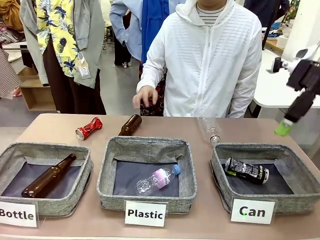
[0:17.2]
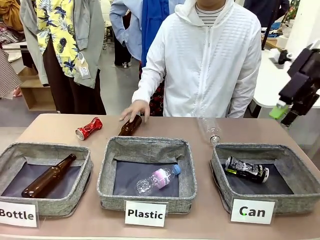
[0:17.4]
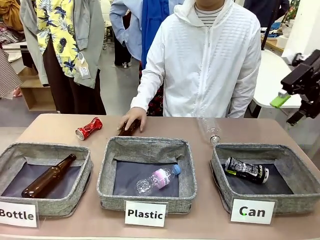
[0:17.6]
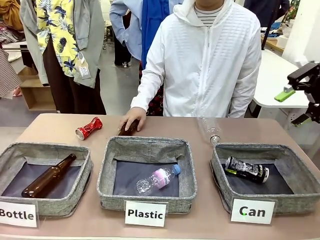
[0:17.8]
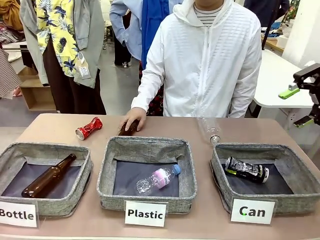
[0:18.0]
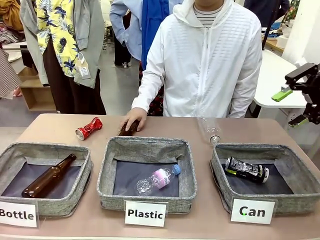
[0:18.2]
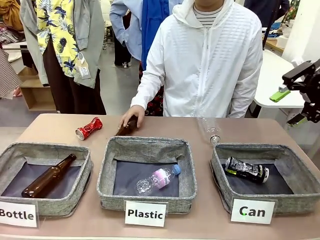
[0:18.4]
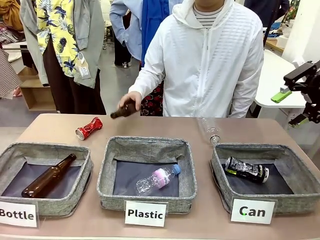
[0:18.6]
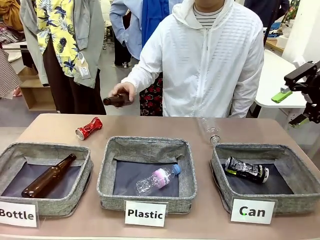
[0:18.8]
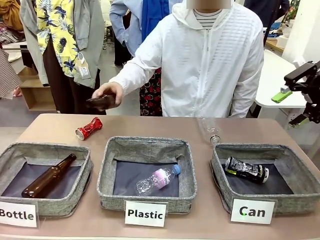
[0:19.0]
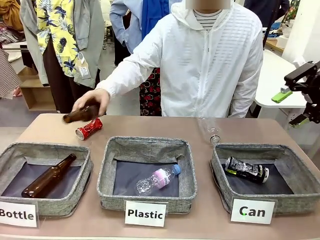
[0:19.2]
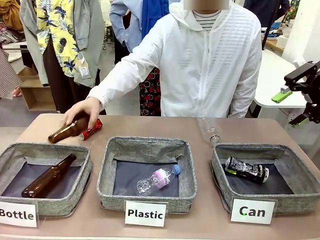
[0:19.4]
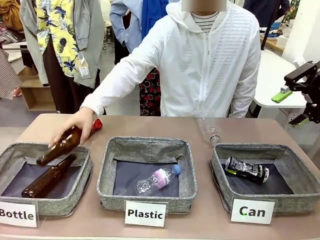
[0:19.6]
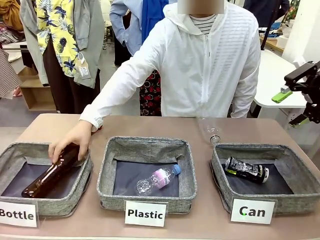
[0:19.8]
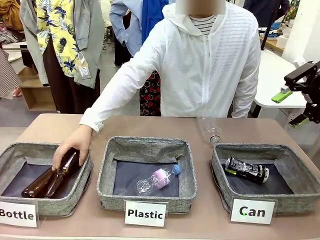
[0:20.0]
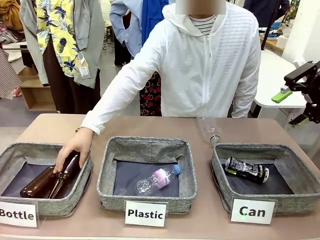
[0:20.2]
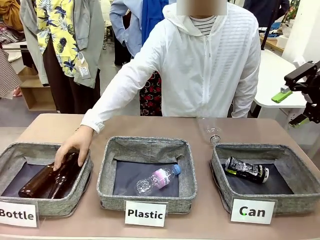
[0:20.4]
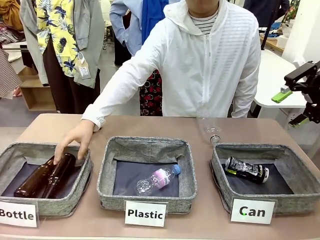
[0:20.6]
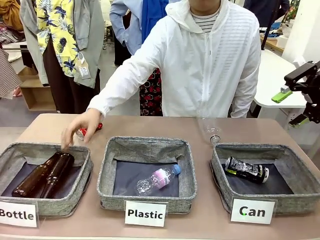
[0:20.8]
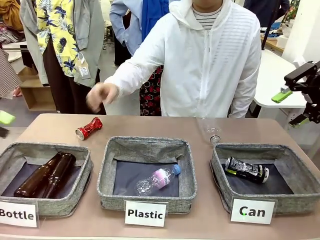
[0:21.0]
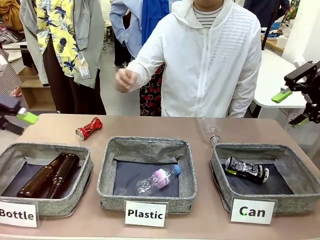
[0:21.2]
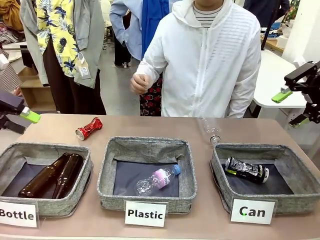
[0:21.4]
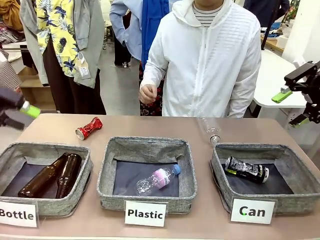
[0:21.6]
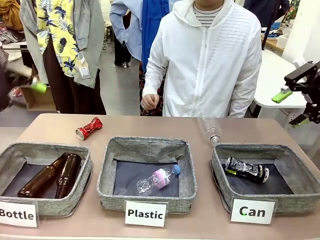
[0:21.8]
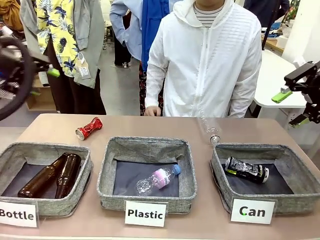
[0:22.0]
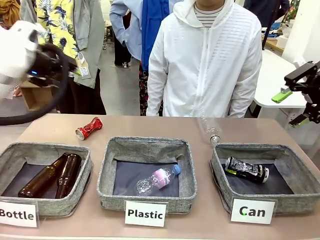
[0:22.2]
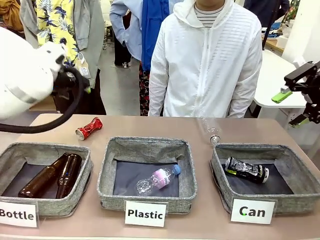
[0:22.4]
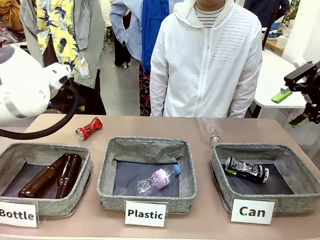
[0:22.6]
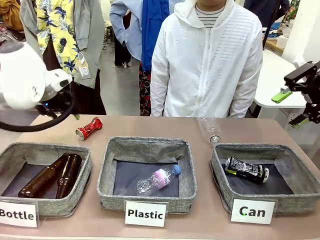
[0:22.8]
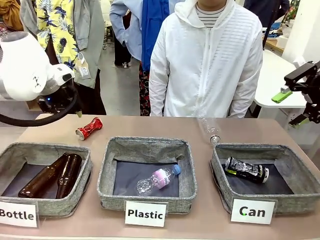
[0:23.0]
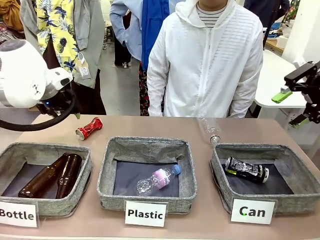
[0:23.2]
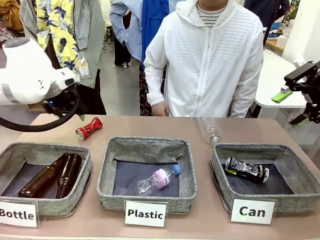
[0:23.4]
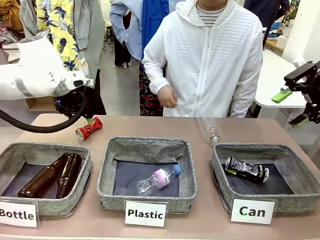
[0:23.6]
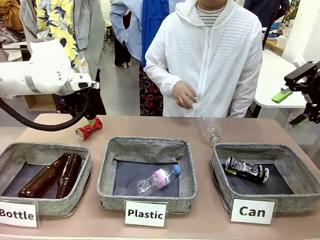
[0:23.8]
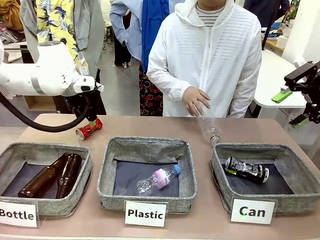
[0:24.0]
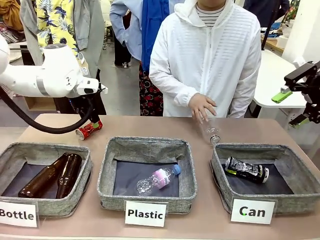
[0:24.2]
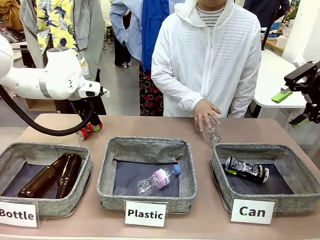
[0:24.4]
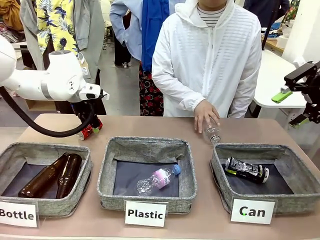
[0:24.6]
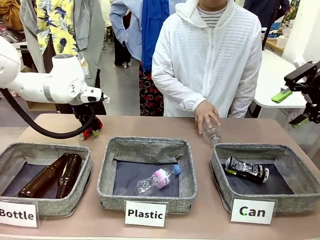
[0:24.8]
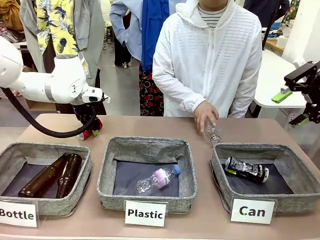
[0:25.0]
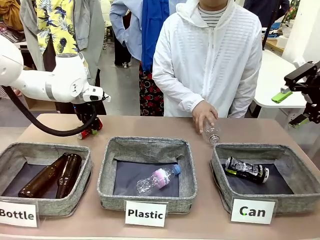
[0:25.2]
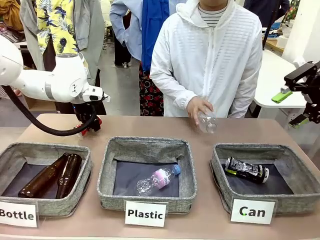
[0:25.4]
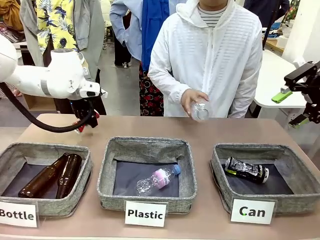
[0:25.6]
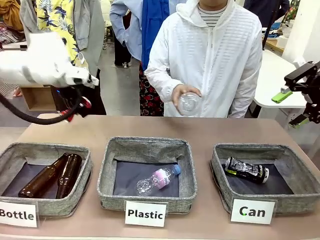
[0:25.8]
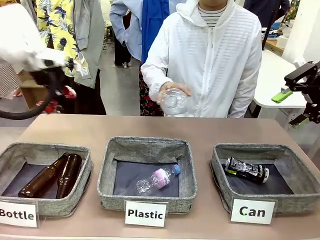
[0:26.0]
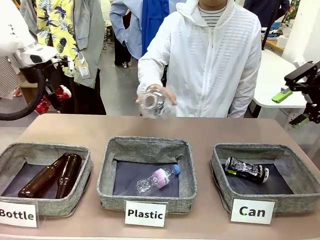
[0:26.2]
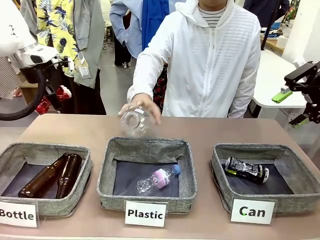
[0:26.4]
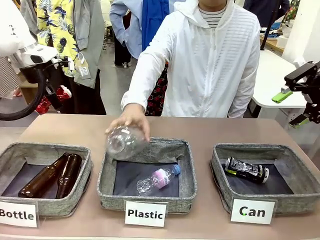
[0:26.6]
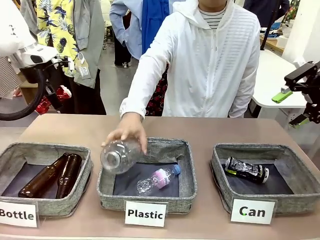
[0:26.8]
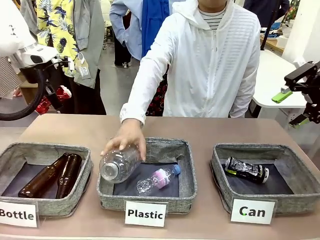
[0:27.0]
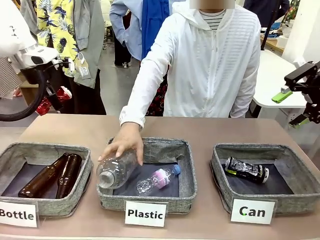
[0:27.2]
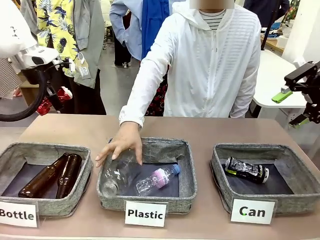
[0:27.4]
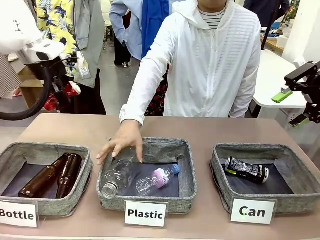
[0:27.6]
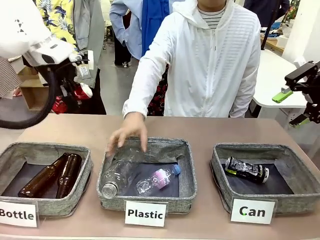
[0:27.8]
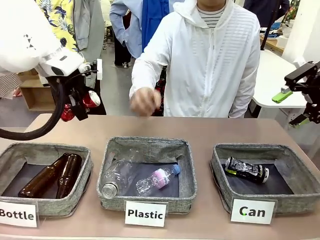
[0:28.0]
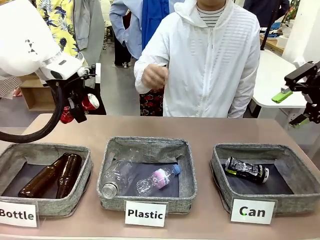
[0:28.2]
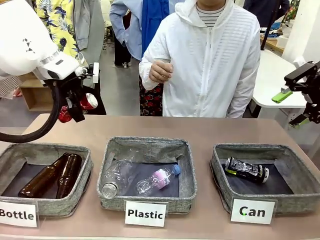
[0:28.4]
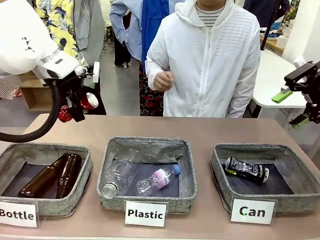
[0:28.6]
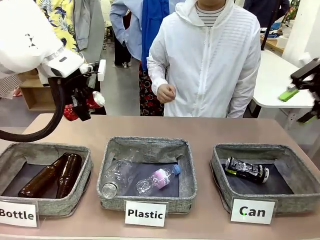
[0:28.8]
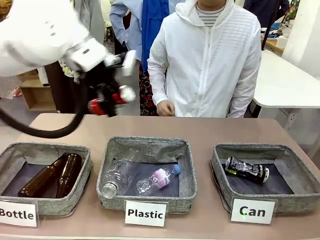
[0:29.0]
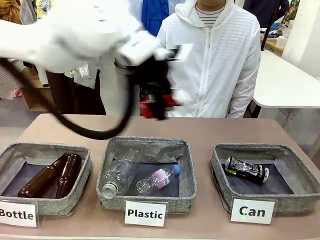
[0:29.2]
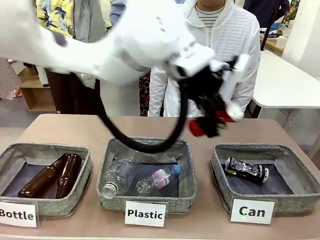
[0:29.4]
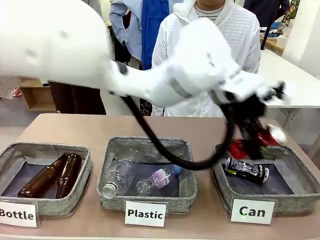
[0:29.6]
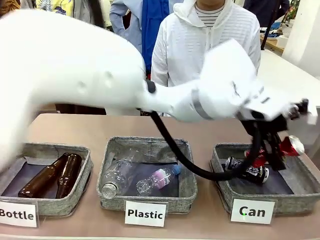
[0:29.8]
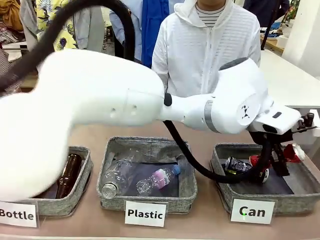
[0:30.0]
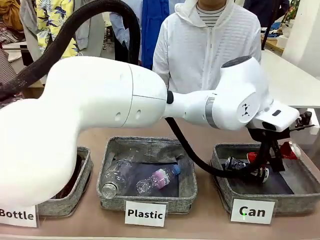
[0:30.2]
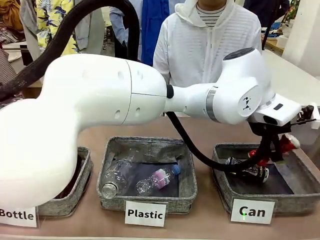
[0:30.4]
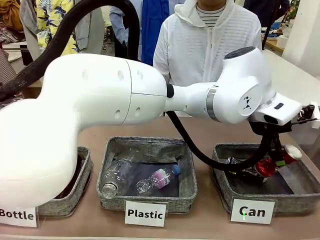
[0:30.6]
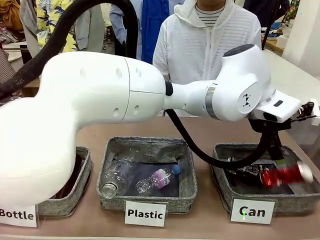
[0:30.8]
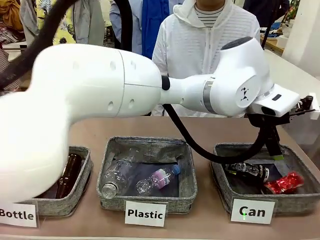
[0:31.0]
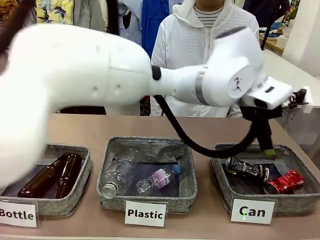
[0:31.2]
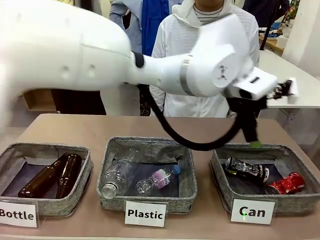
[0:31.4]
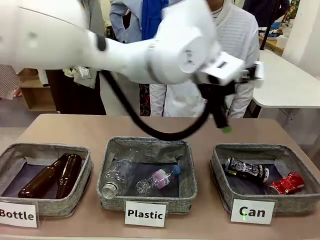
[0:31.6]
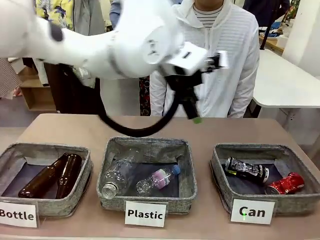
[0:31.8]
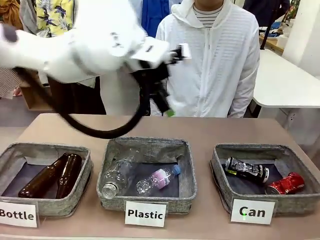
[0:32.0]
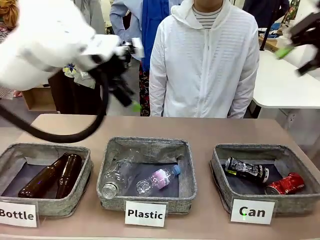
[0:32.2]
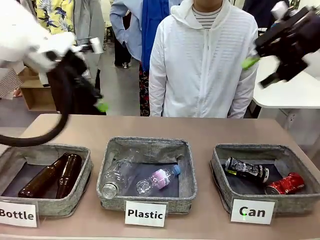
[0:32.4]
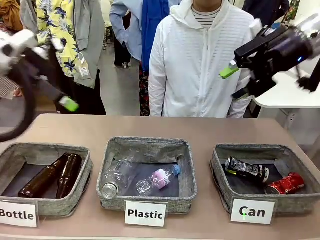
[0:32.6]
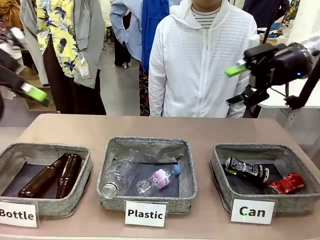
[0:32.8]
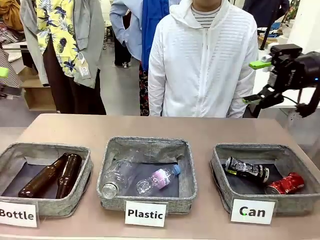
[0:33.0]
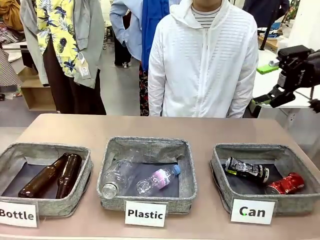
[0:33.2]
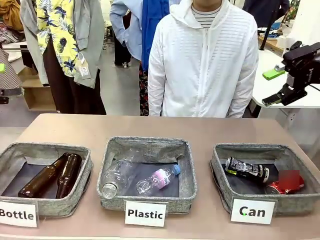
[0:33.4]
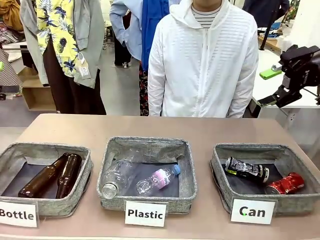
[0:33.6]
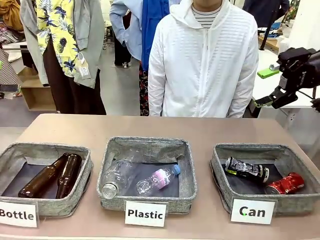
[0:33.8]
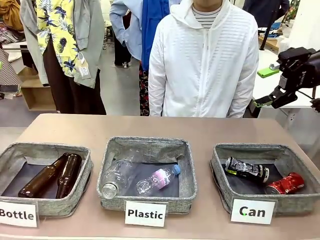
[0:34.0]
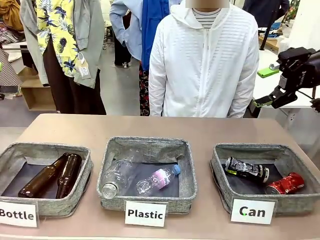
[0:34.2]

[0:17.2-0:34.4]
Task: Sort the can waste into the basket.
Robot: Pick up the can waste from the table and place it in the right Fabric basket.
